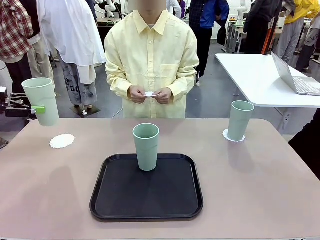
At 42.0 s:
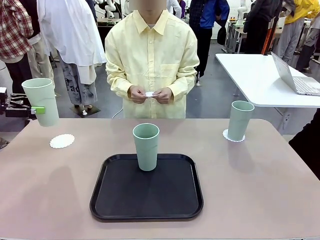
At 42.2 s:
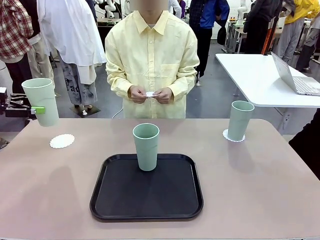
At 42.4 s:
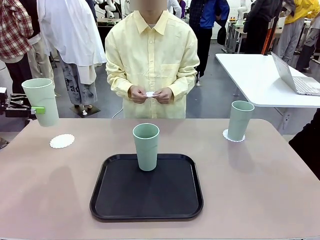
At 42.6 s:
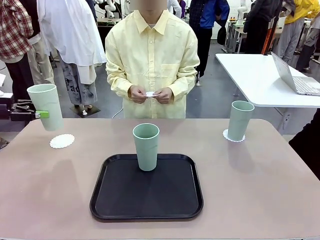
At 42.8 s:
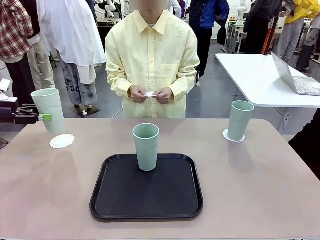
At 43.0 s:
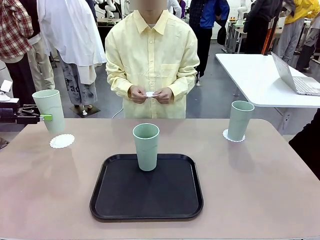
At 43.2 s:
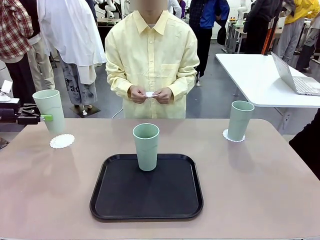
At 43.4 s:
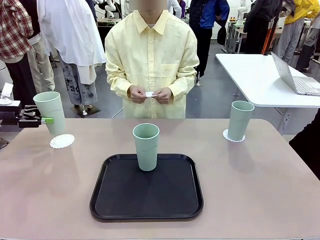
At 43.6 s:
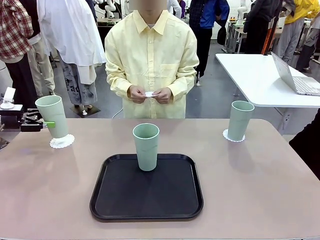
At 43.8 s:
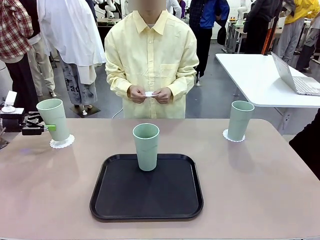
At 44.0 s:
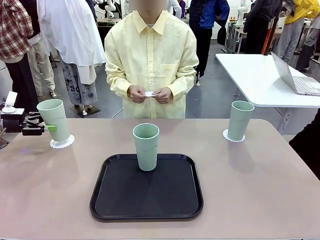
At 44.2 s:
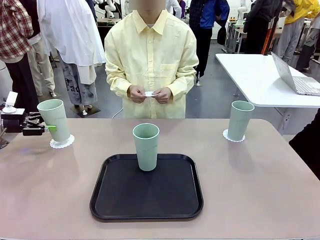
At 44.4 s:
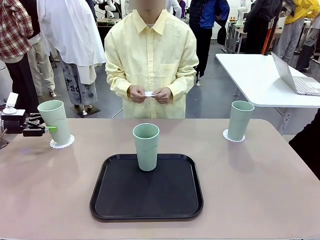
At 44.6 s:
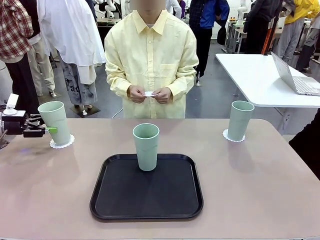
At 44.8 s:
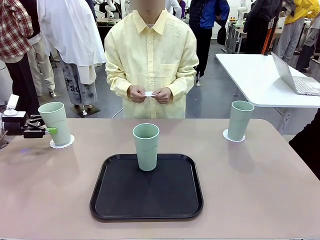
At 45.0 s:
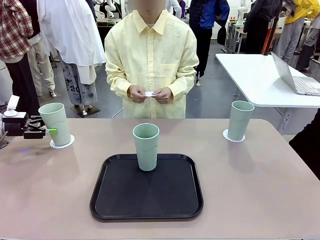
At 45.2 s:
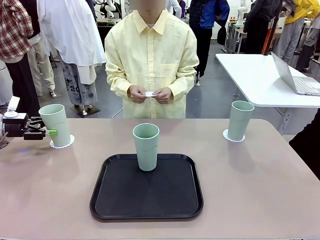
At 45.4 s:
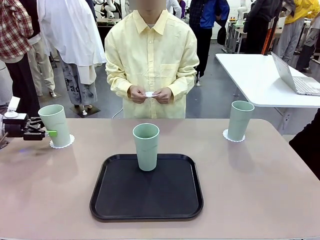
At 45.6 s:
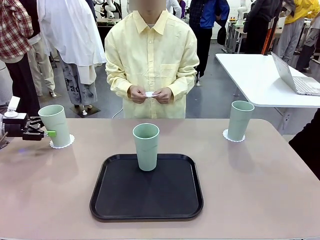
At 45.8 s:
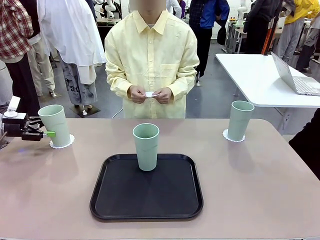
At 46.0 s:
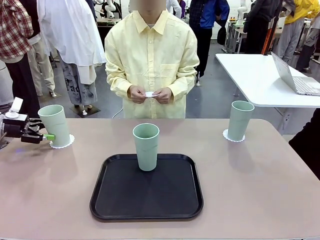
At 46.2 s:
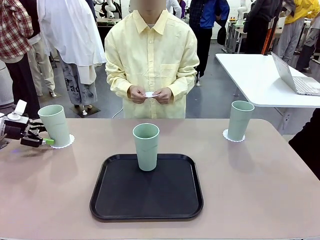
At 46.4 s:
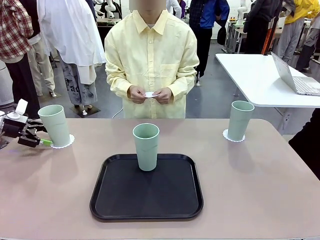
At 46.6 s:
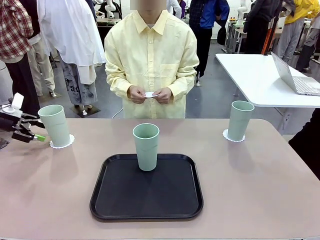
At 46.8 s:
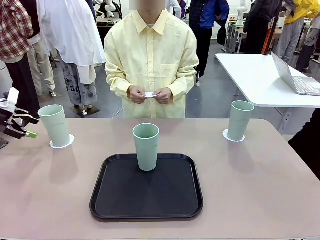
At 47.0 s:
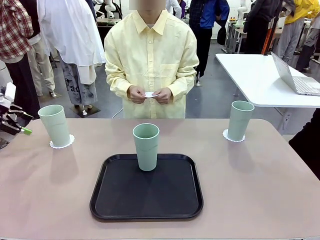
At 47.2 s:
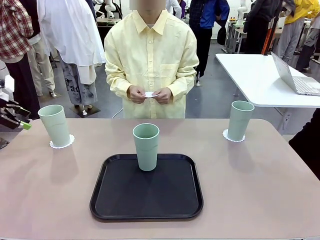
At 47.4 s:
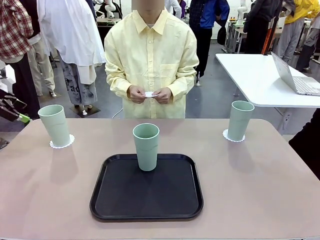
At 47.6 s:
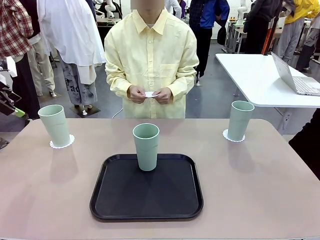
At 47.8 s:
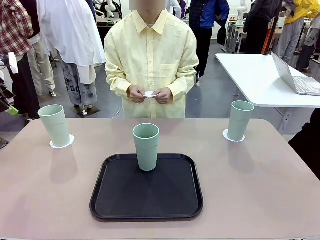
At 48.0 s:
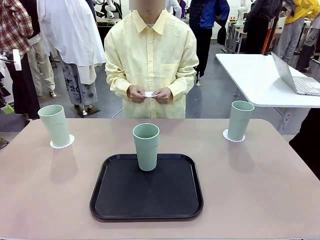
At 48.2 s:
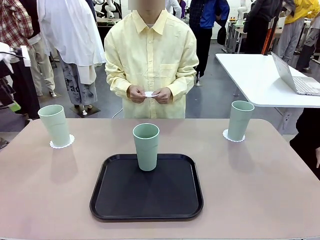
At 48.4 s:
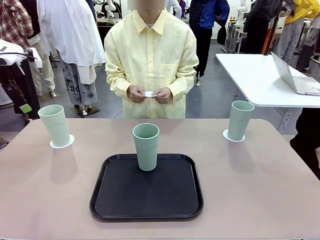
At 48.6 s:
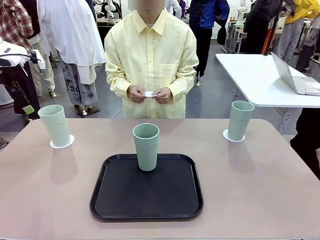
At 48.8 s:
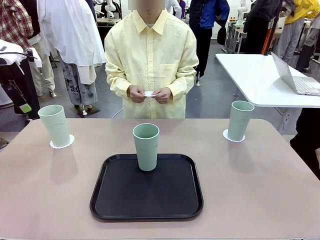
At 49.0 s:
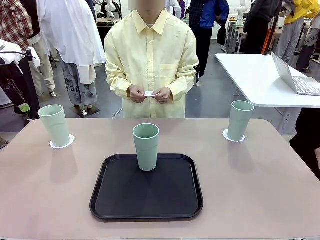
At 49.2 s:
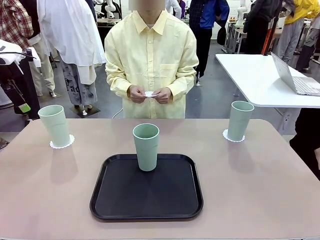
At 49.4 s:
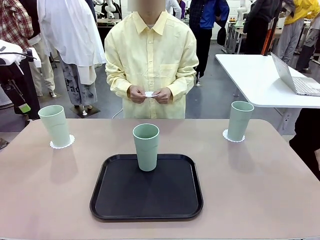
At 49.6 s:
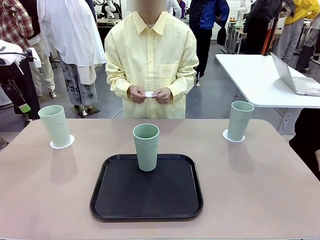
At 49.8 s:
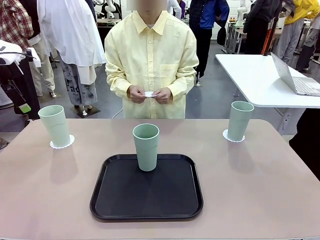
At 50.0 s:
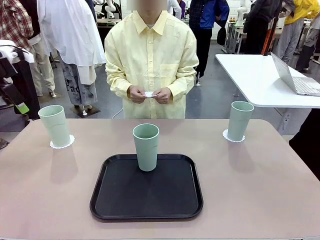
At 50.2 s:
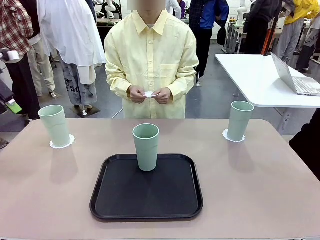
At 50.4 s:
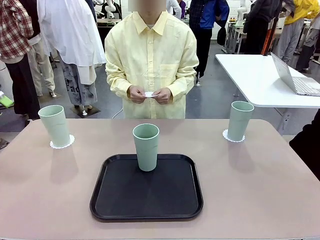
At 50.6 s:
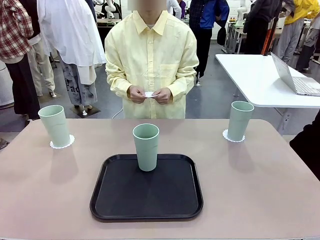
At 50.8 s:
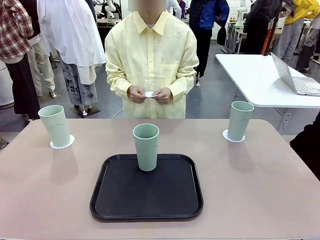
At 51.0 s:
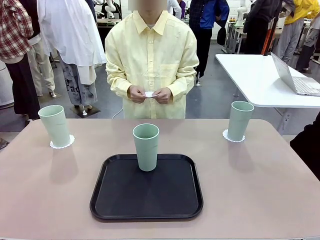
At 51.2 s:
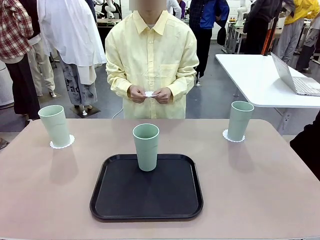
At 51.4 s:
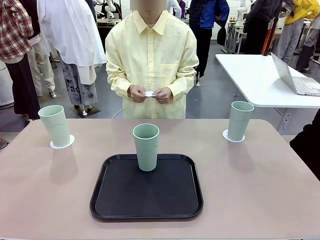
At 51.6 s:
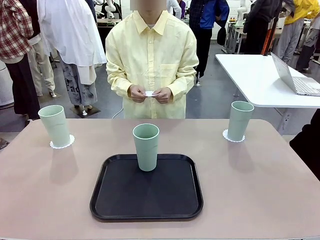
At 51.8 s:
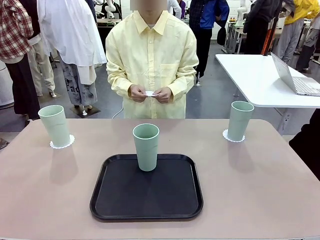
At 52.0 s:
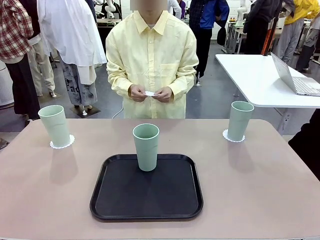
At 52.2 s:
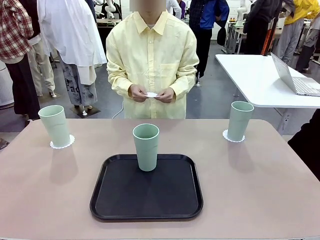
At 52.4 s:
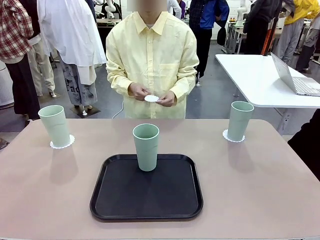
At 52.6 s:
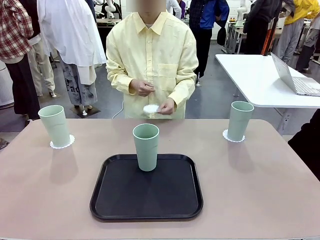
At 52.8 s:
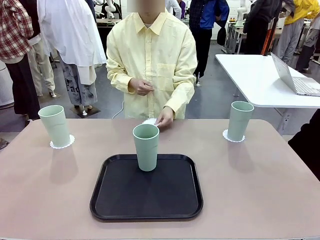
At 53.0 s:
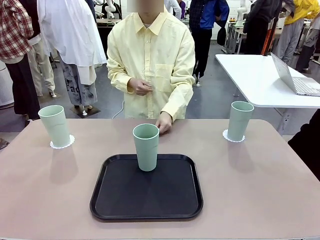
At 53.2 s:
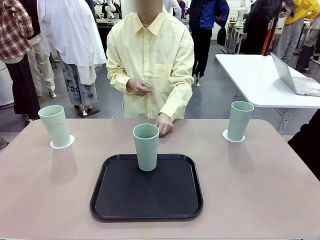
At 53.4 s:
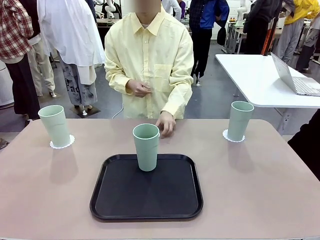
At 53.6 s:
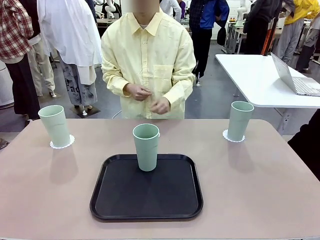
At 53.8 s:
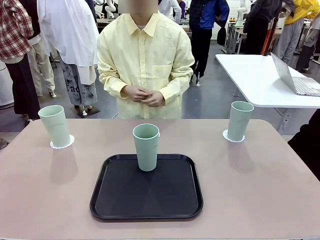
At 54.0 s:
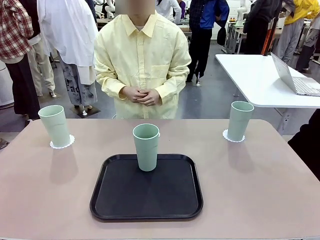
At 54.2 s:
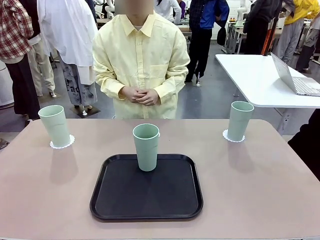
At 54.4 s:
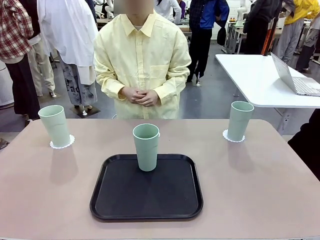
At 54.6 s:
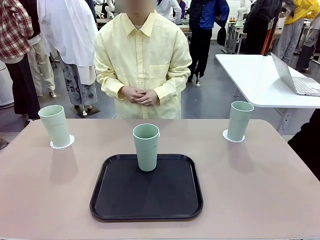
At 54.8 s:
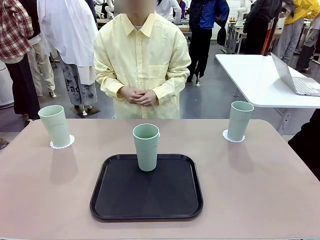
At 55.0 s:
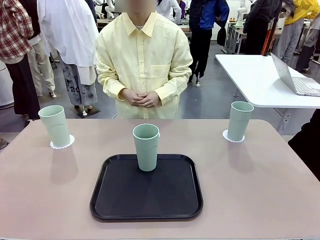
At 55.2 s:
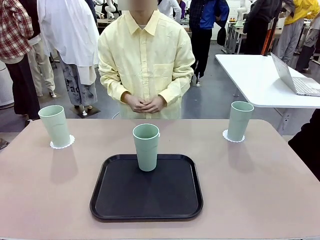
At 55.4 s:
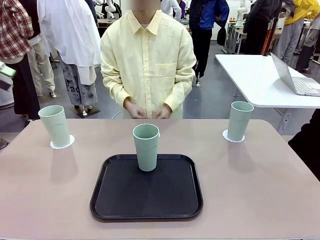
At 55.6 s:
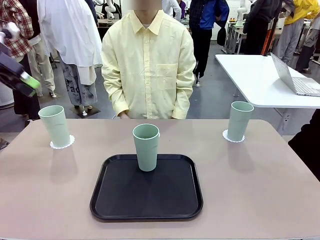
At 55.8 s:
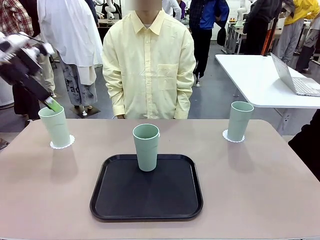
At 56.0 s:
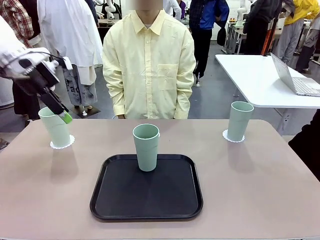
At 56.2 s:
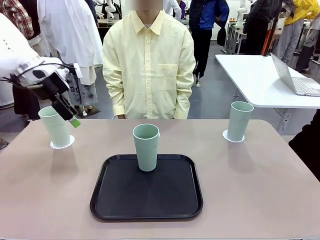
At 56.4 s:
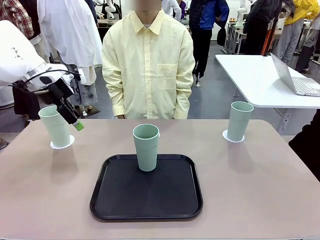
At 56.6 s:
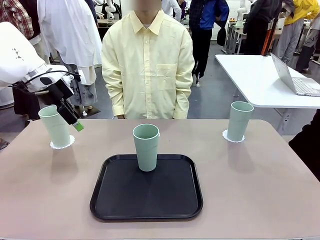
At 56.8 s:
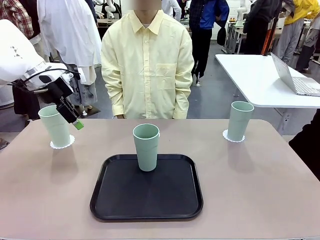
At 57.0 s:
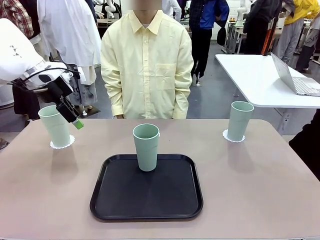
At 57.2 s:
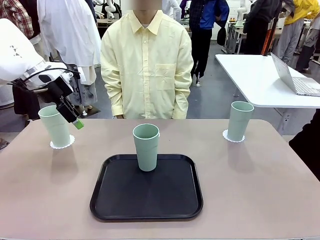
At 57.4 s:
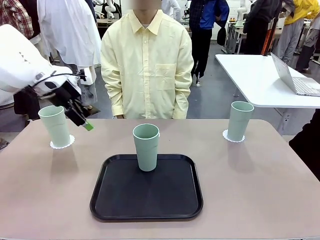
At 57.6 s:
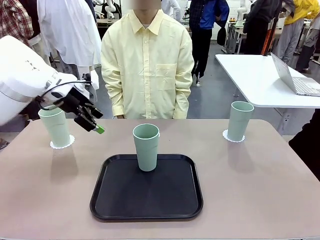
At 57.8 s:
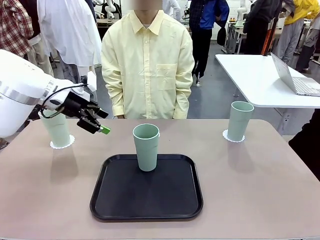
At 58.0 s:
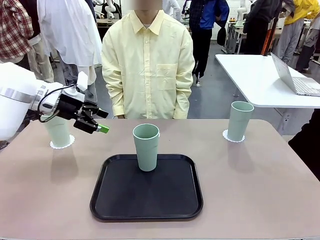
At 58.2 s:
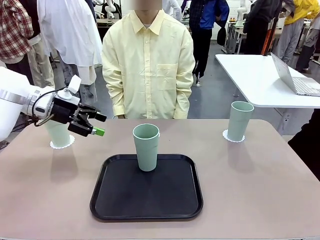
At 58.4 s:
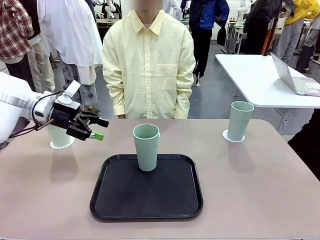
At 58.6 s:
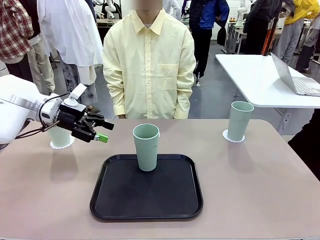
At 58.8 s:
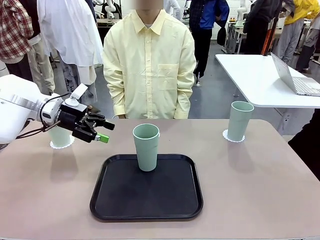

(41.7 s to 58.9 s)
Task: Place coasters on the table and set cups on them.
Robot: Take one Reusable plastic cup from the Flat Tray and place it on a coaster set by the human.
